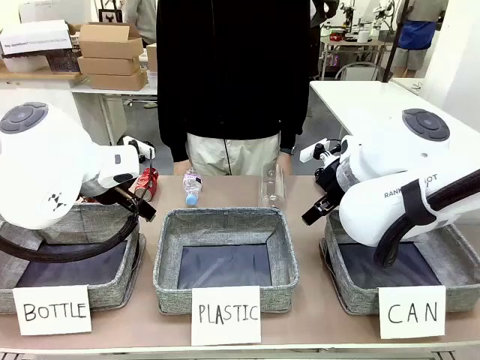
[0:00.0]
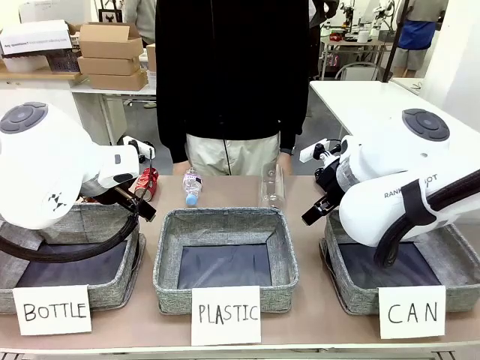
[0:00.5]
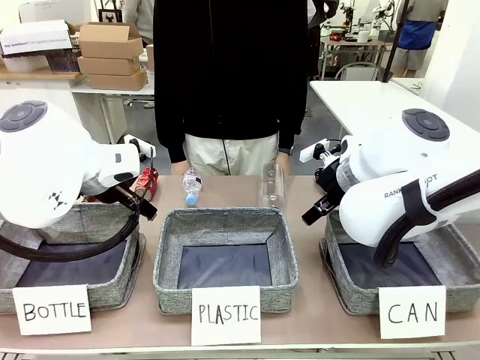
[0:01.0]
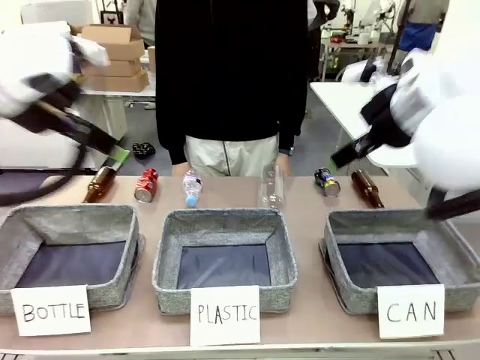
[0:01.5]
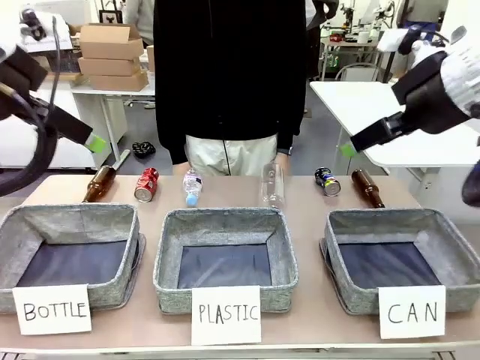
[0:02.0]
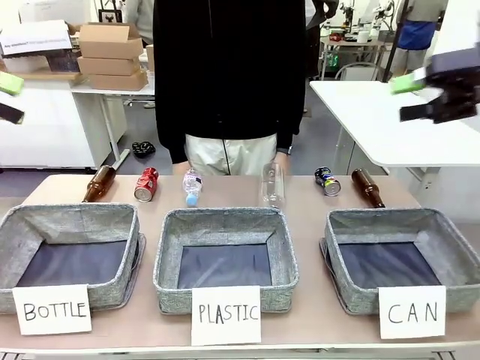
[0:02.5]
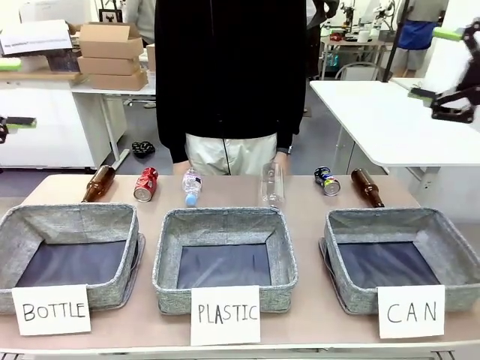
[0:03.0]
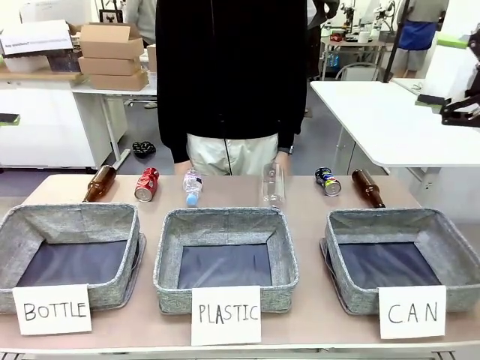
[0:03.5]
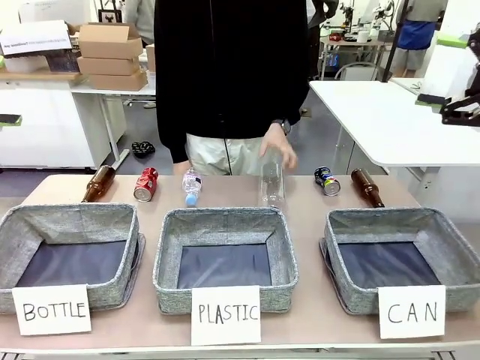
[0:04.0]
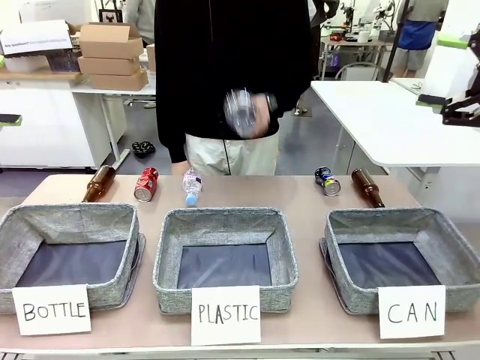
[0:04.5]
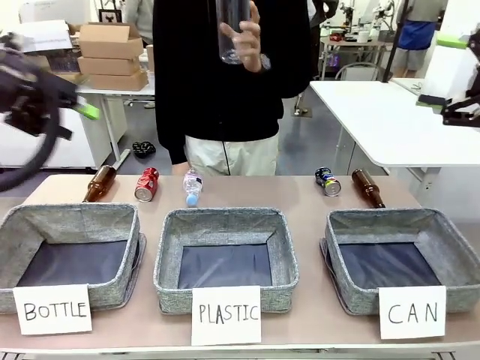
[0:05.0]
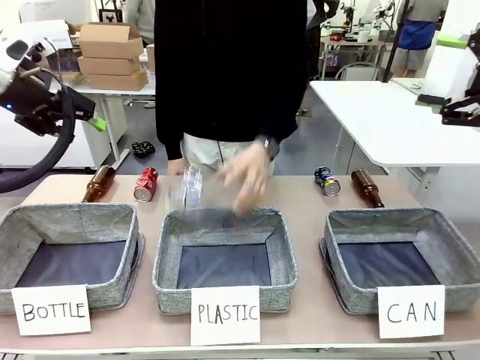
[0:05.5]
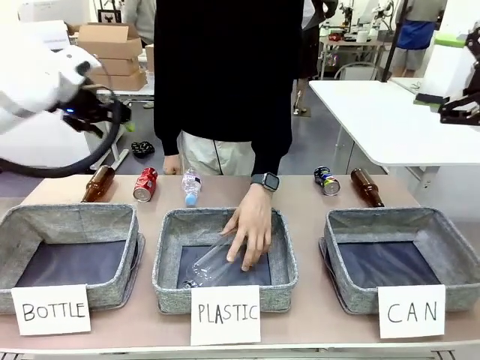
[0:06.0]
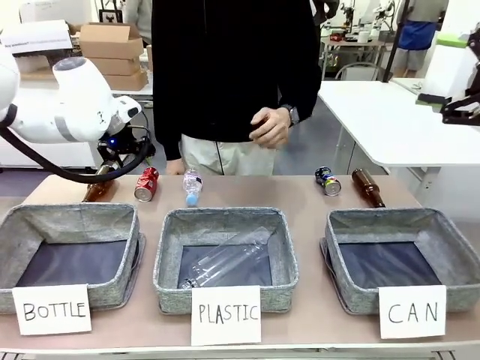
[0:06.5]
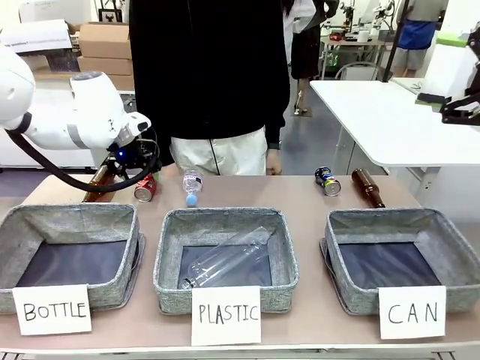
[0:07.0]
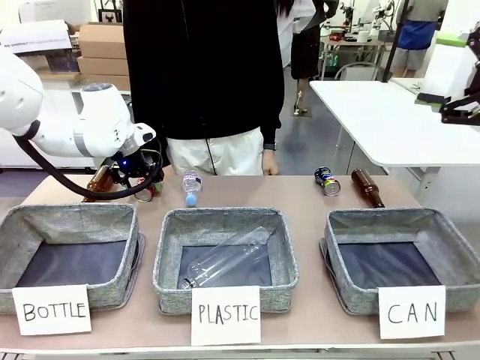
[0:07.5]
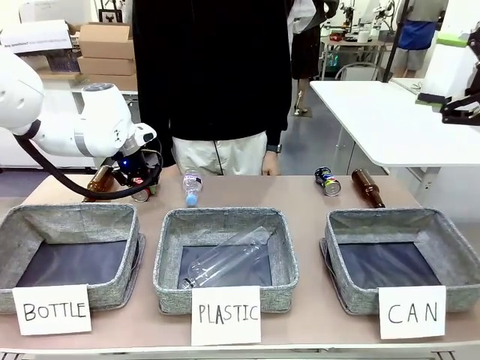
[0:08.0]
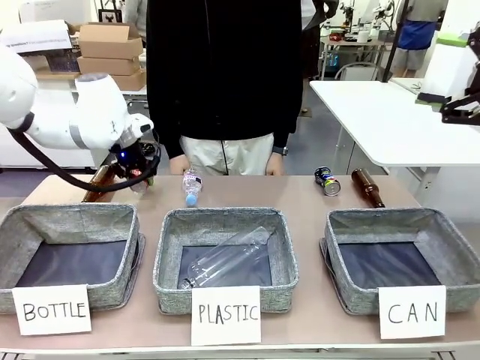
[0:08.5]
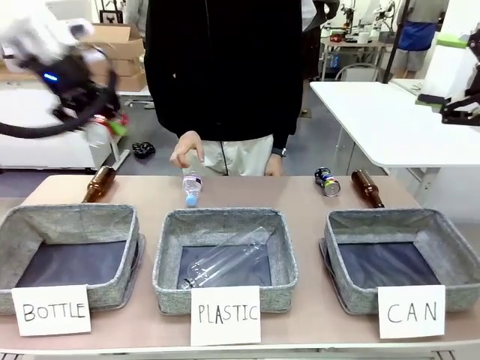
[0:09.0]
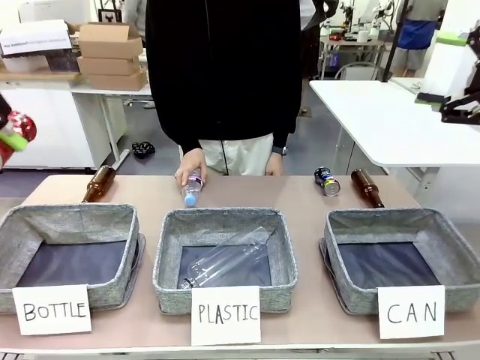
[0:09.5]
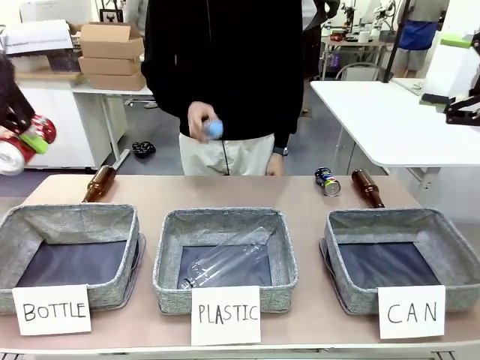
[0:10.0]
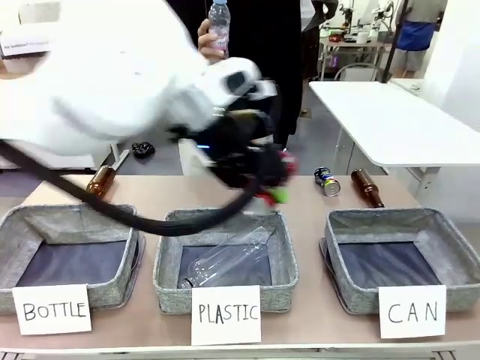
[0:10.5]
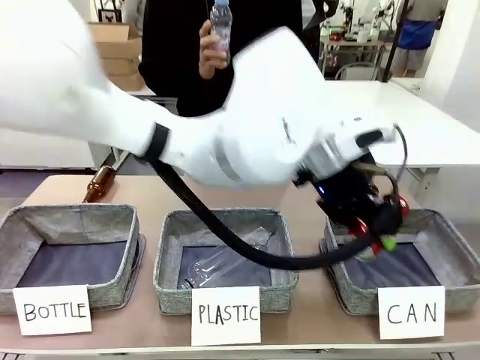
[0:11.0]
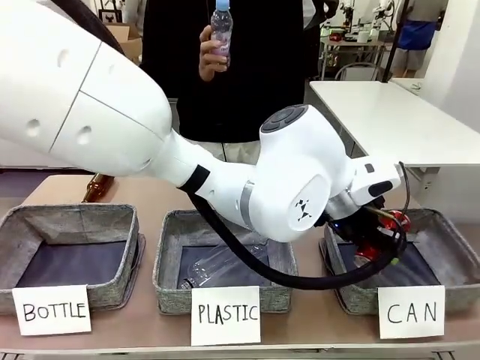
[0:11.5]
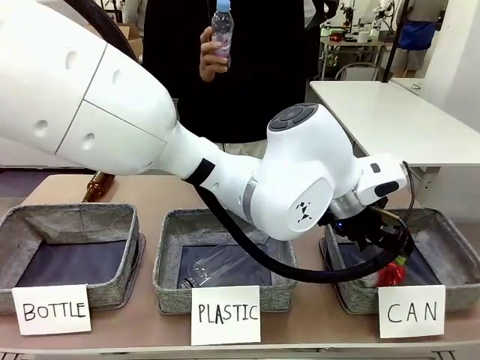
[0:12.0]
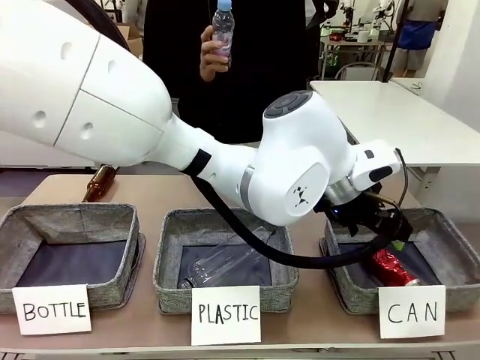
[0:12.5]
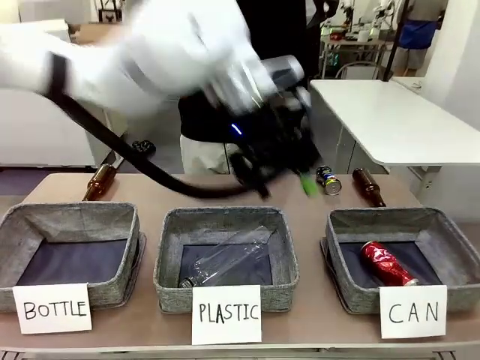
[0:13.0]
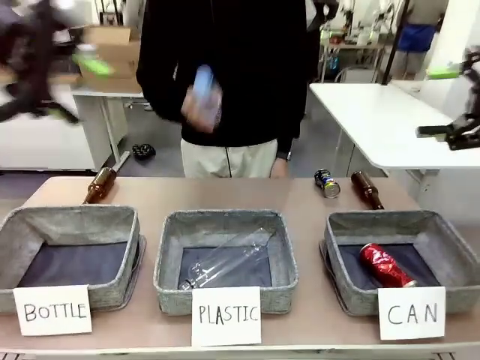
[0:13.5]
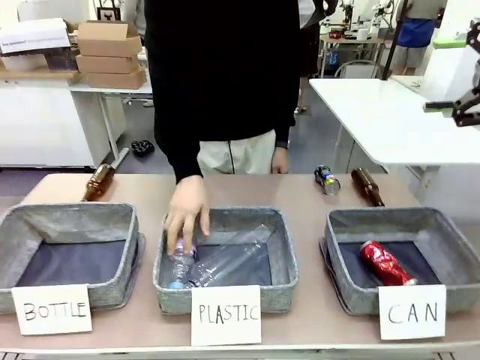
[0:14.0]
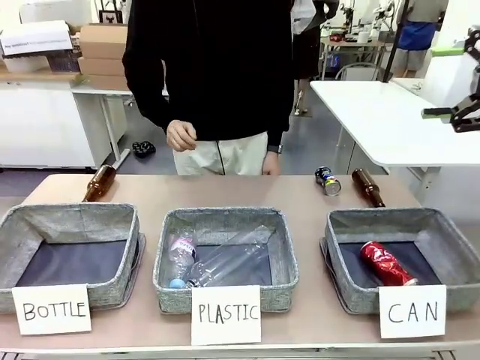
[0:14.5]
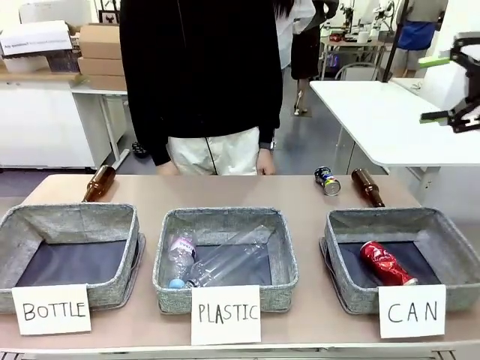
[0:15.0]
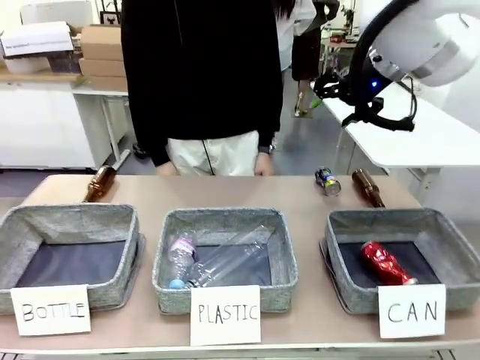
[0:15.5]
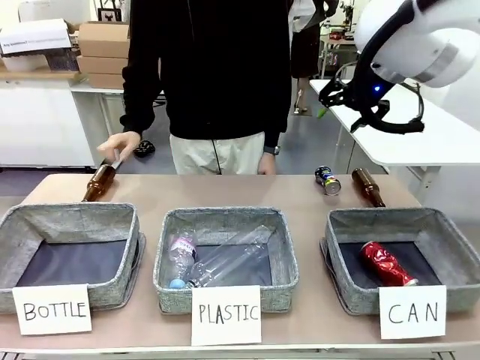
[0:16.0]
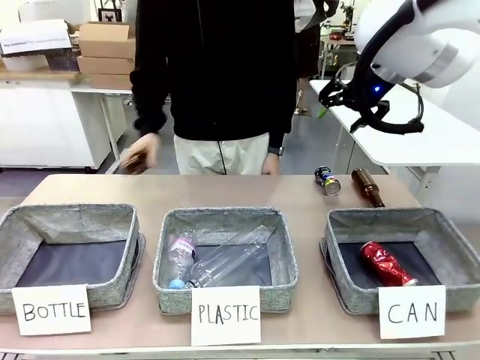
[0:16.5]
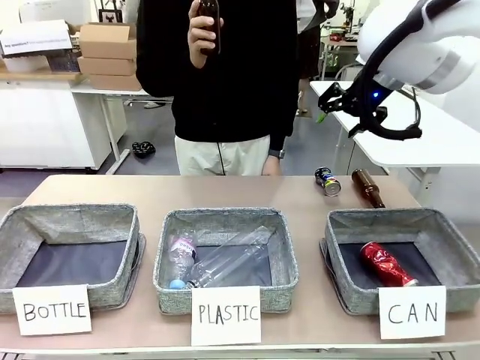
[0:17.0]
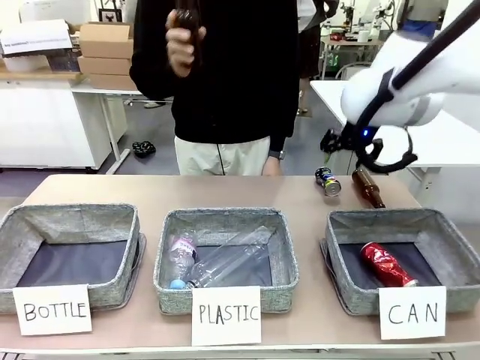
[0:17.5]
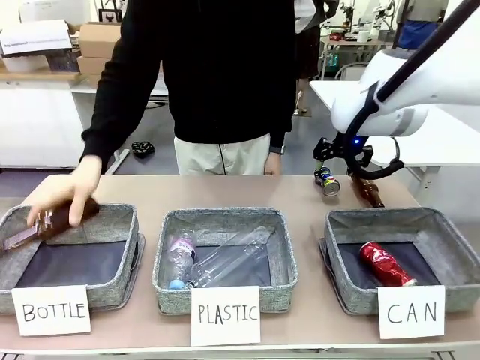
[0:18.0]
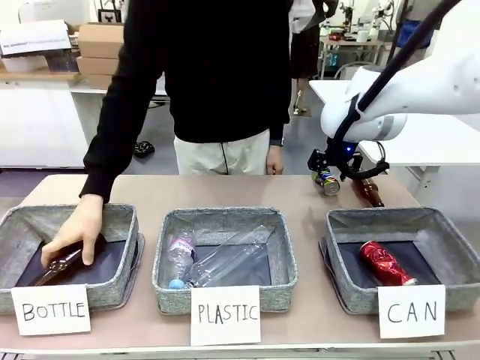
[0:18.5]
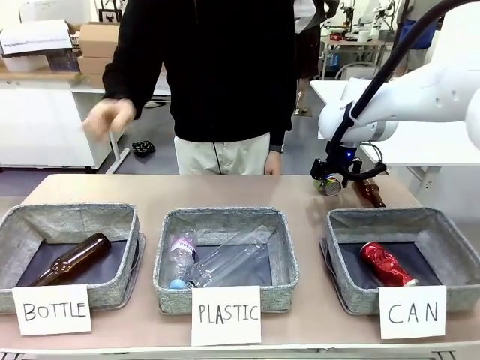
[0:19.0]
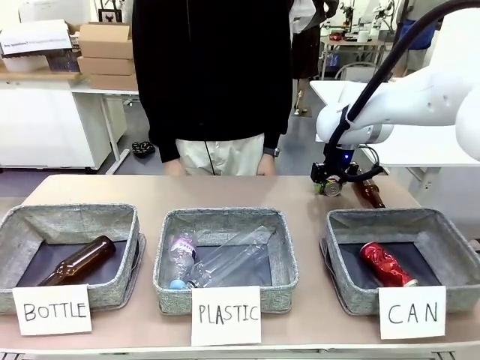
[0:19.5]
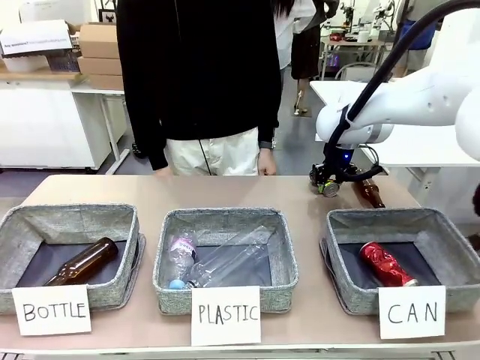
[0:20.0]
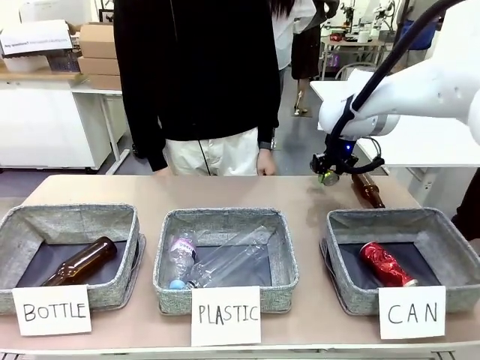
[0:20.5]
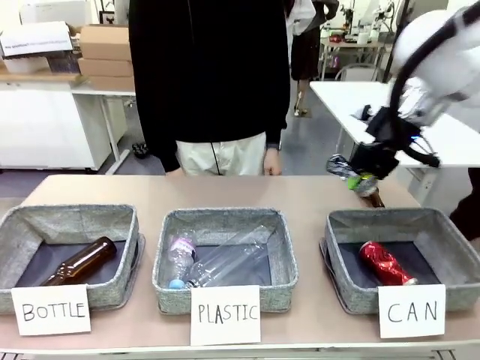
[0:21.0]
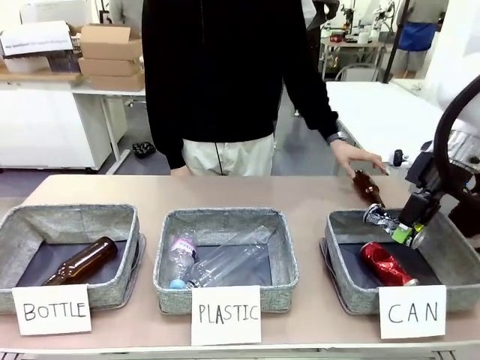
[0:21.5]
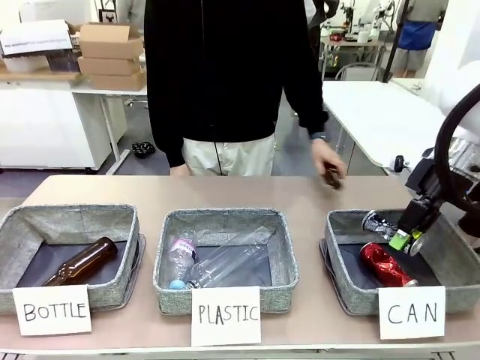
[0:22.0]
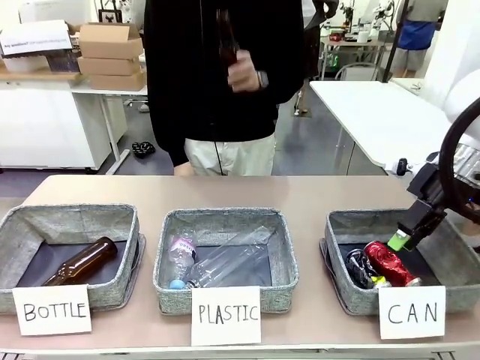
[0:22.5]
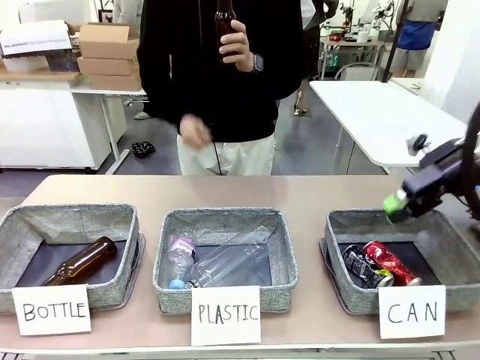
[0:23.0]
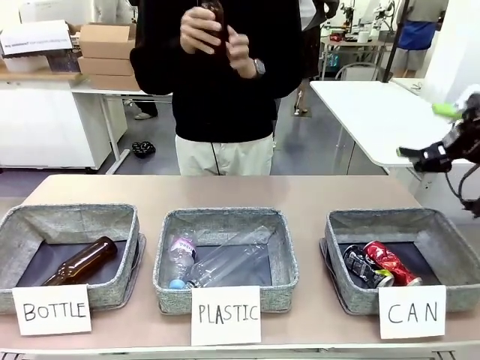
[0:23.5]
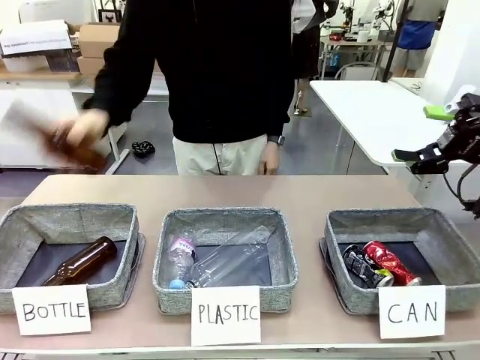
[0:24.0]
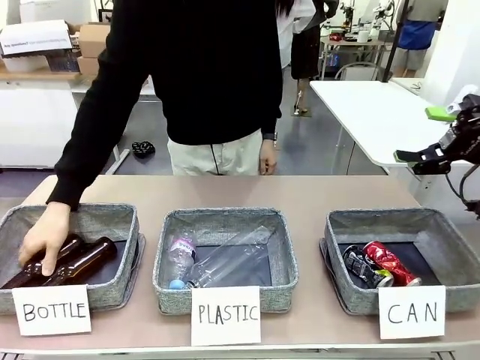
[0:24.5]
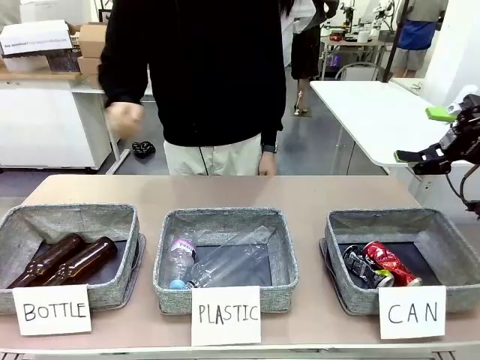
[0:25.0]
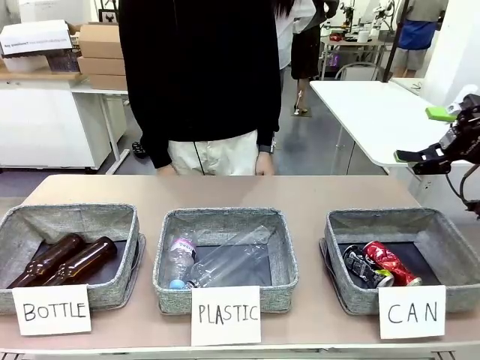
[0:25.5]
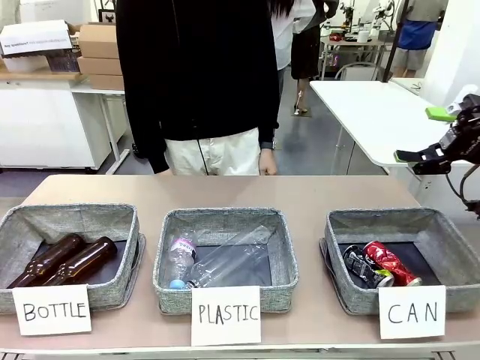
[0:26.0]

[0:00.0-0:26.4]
Task: Sort the can waste into the basket.
Robot: Pick up the can waste from the table and place it in the right Fabric basket.
Person: The human picks up one piece of trash that is not a can and places the trash into the appropriate organizing basket.
